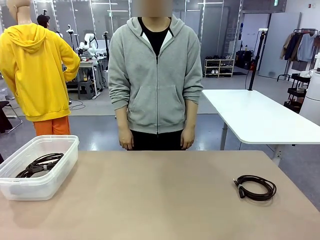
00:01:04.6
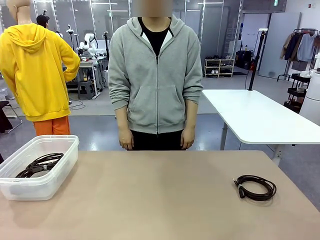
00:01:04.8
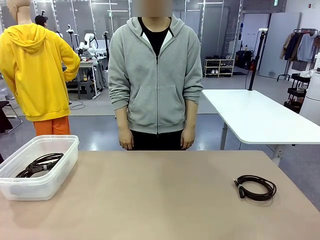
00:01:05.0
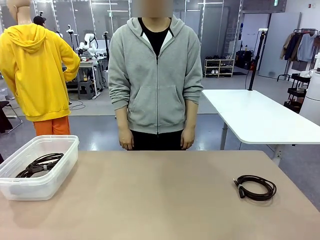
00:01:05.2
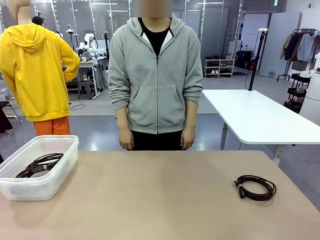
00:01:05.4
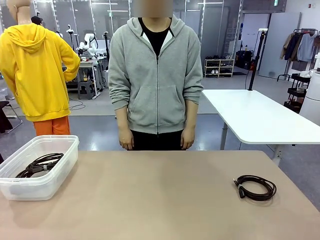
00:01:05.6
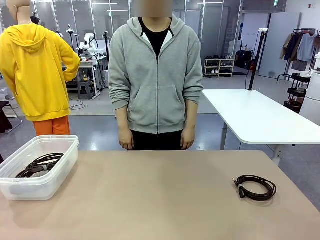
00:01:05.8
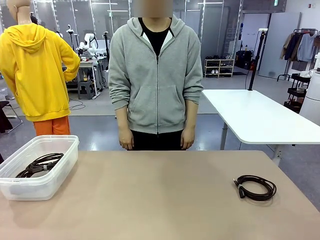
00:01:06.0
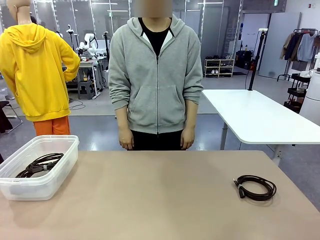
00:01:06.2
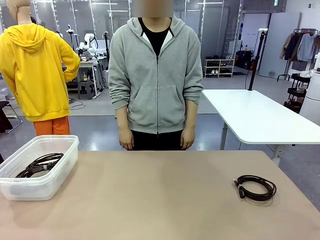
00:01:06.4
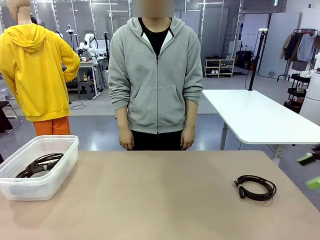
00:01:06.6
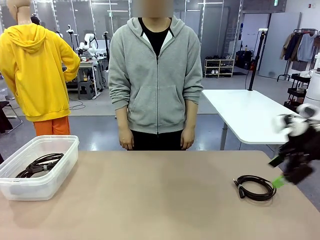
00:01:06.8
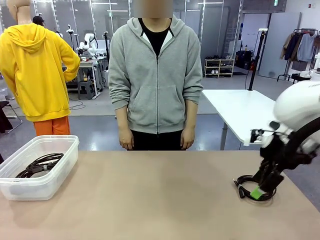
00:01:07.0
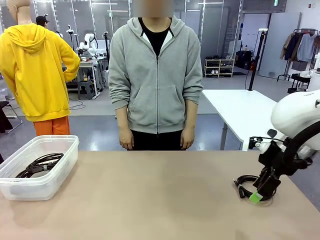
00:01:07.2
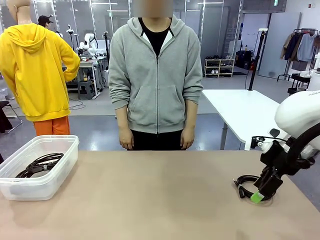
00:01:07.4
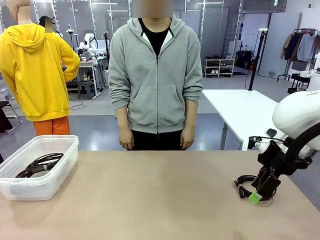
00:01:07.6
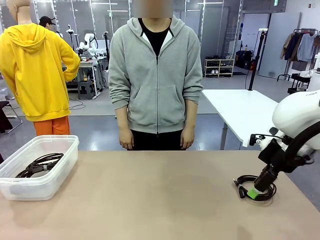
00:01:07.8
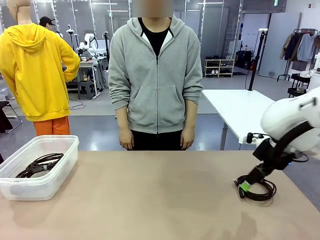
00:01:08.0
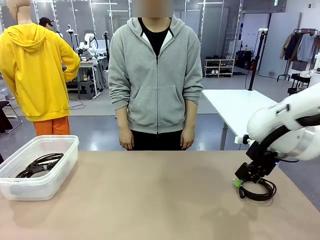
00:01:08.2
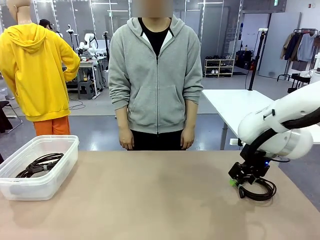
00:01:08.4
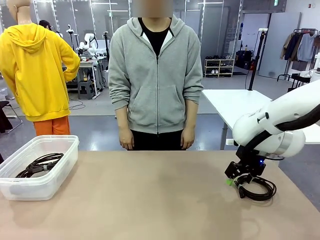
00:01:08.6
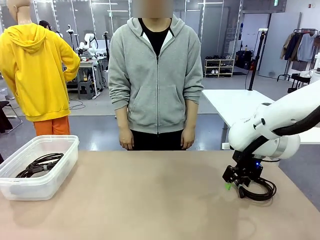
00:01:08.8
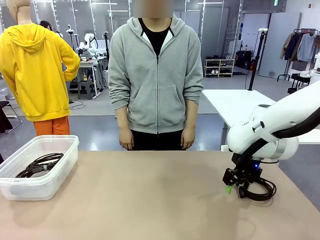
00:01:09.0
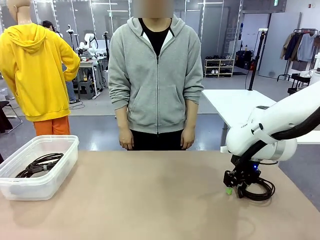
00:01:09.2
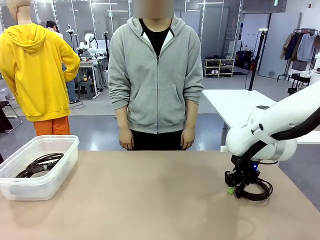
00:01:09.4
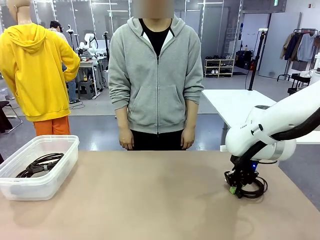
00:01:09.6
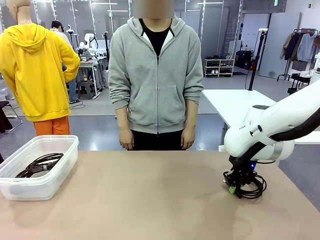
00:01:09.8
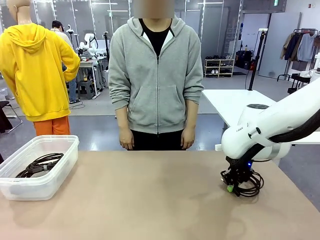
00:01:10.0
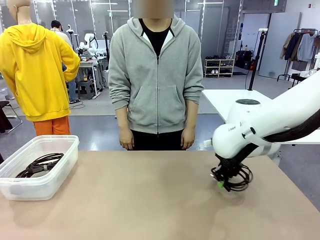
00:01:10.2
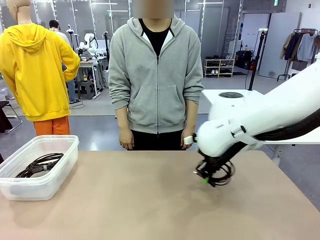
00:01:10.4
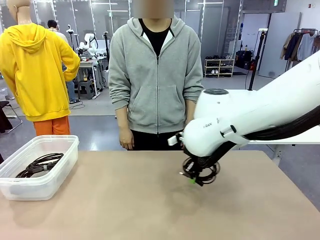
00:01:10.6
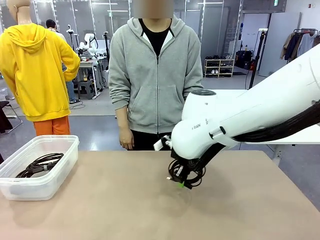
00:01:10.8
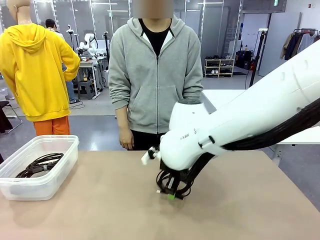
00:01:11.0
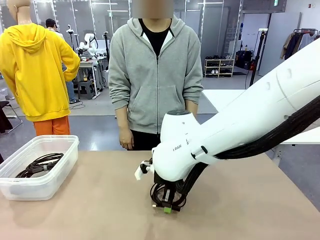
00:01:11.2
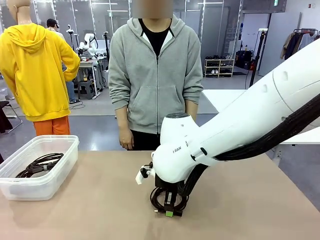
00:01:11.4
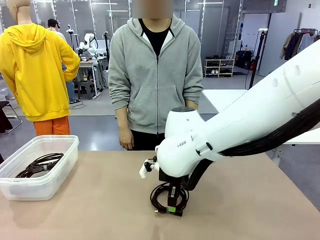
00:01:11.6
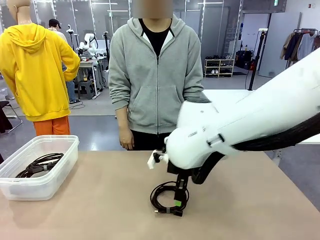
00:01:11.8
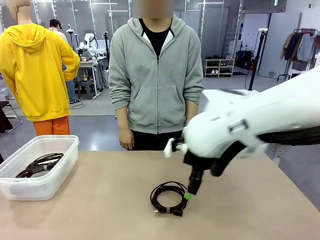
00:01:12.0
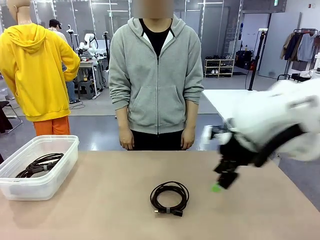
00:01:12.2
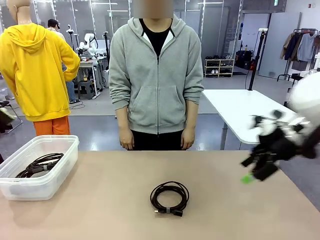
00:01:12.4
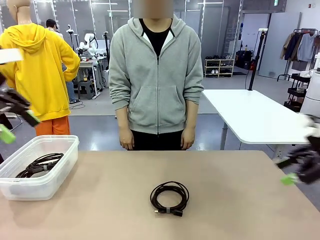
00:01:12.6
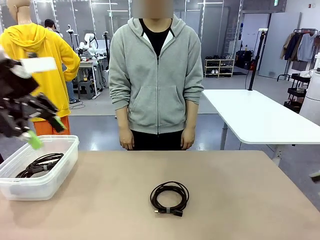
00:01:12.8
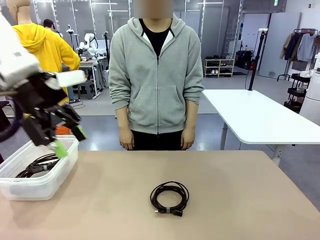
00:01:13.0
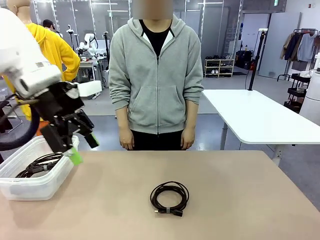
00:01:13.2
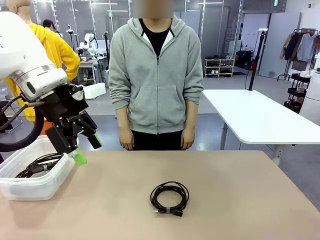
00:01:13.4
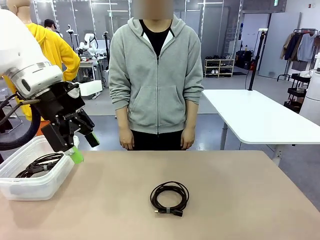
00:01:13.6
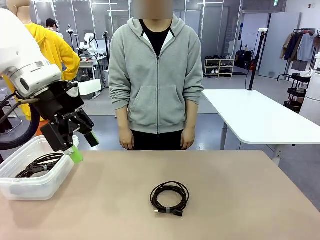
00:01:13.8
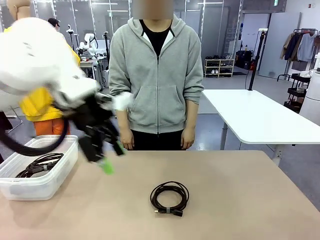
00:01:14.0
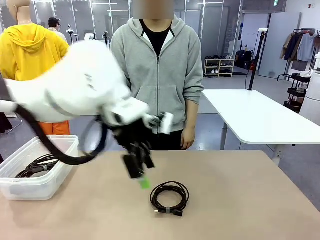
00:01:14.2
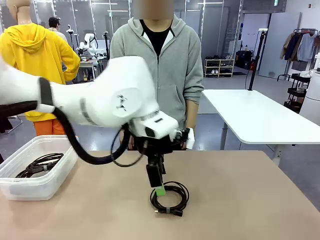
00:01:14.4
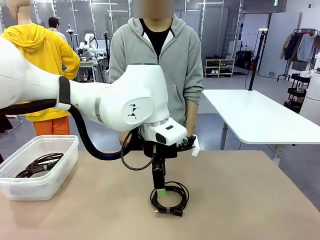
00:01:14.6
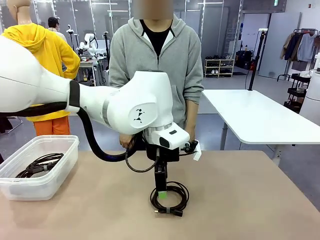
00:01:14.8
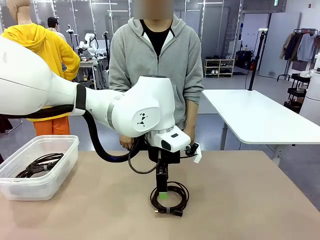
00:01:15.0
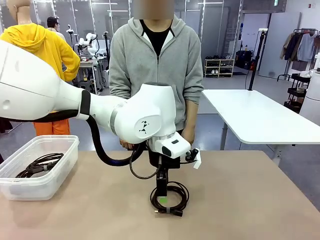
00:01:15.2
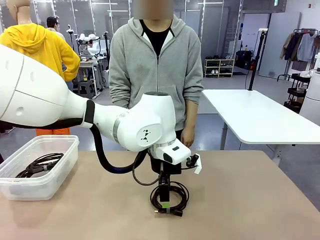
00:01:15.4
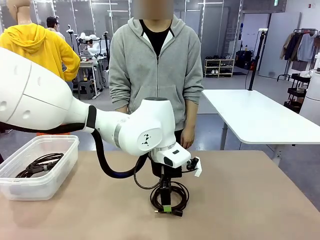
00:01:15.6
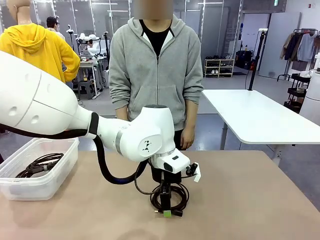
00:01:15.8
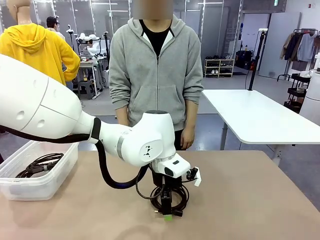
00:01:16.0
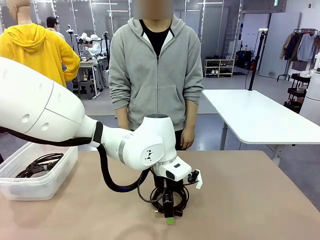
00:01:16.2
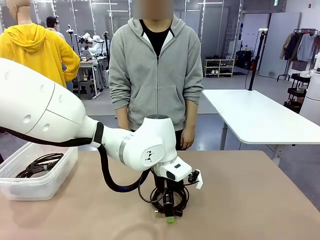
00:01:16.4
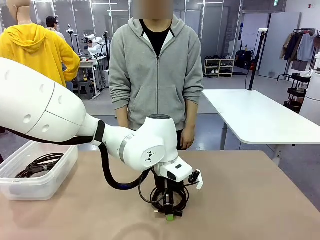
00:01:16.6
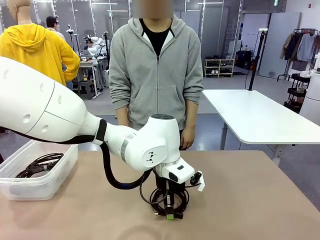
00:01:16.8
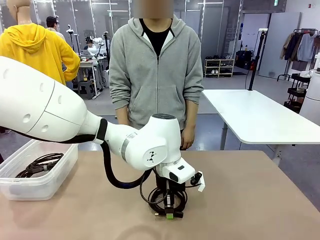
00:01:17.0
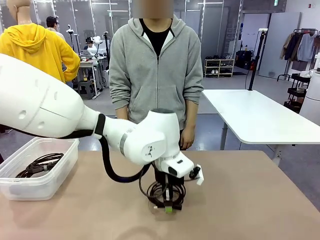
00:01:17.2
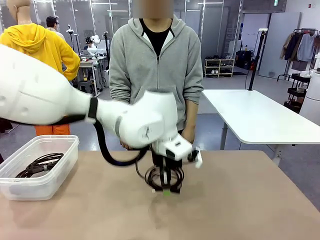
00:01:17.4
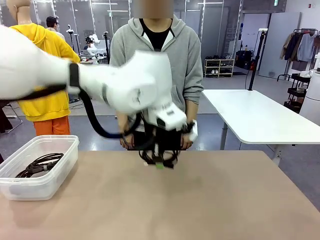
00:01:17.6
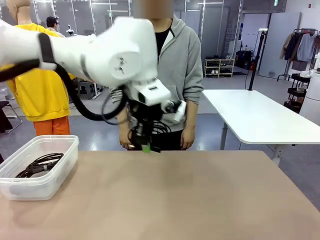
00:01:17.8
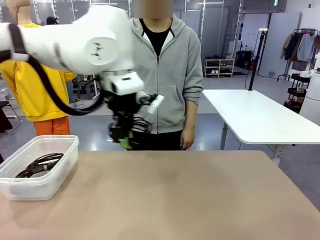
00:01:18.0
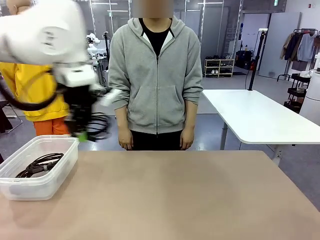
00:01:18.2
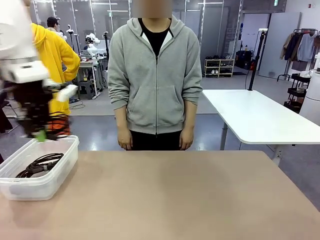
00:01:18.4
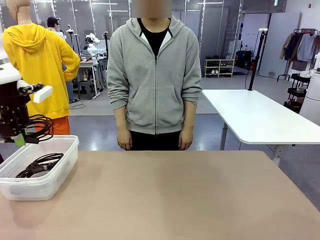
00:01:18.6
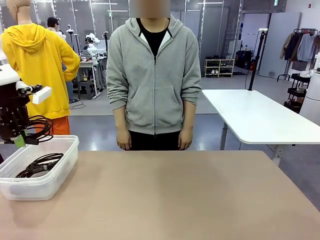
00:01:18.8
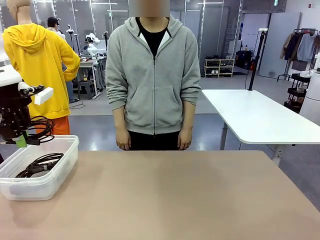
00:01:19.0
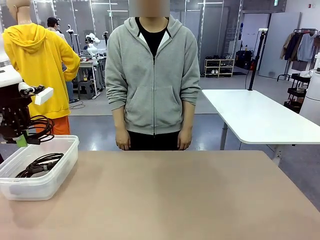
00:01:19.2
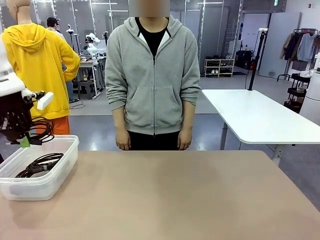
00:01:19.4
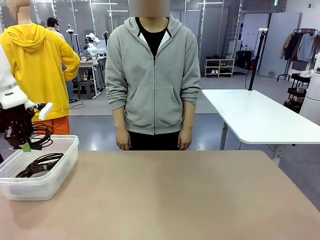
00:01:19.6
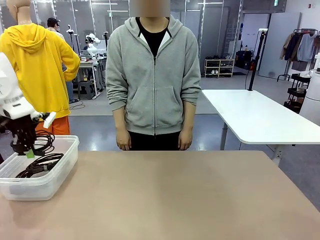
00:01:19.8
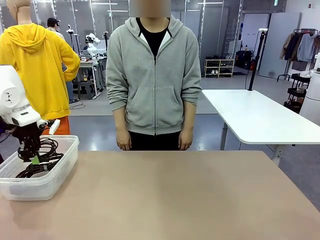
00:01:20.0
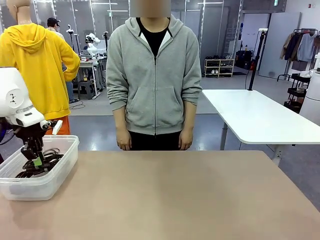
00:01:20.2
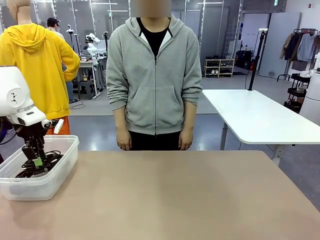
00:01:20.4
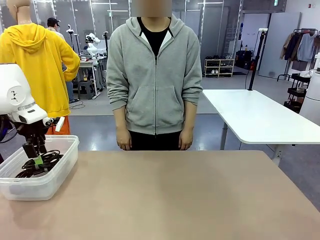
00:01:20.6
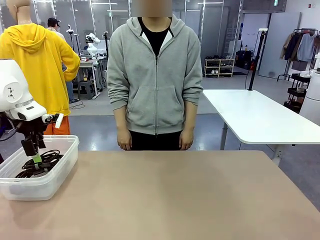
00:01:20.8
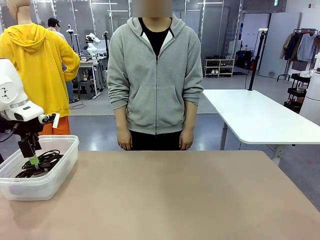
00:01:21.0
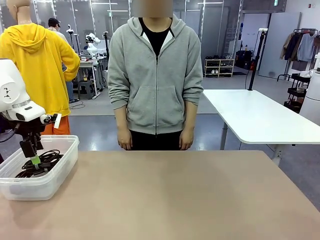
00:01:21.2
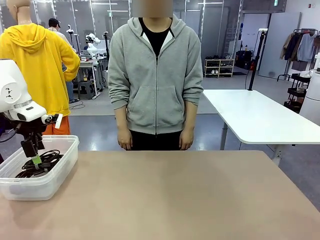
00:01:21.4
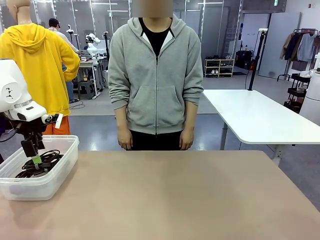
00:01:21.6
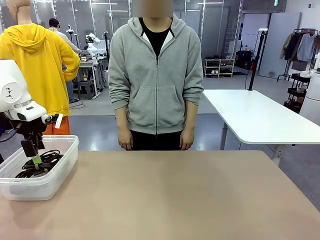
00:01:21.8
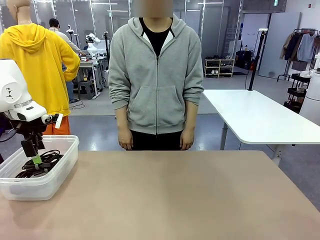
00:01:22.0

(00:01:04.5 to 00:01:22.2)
Task: Organize and store the cables.
Robot: Place the USB Extension Cable into the Organizing box.
